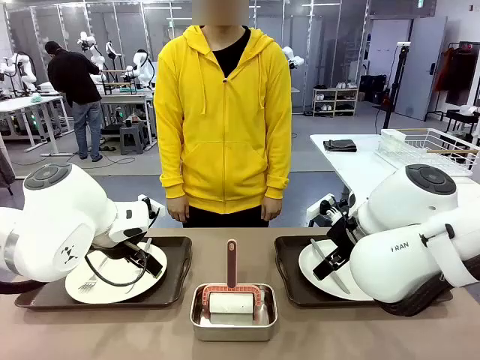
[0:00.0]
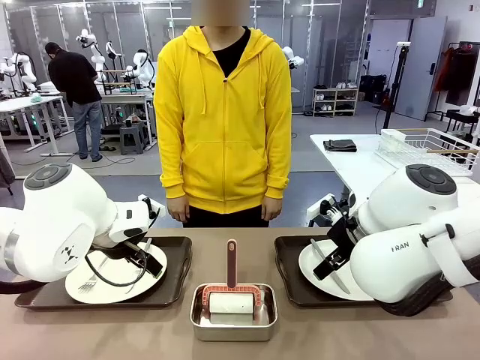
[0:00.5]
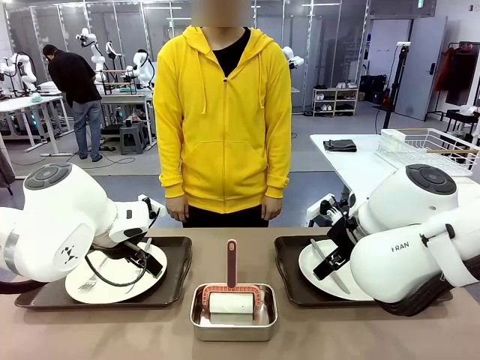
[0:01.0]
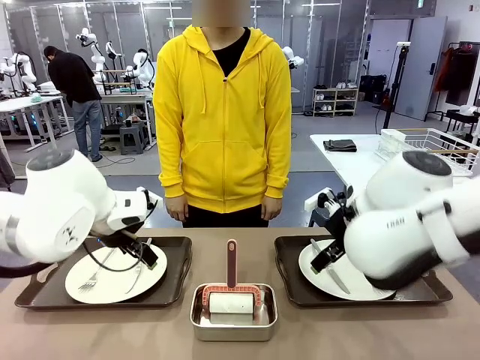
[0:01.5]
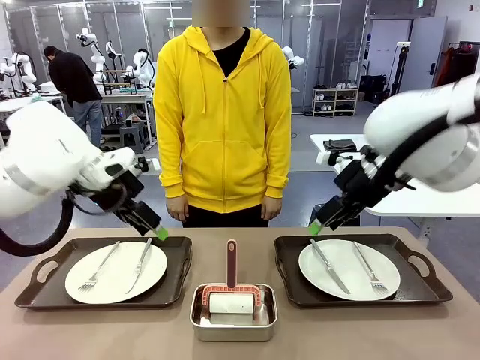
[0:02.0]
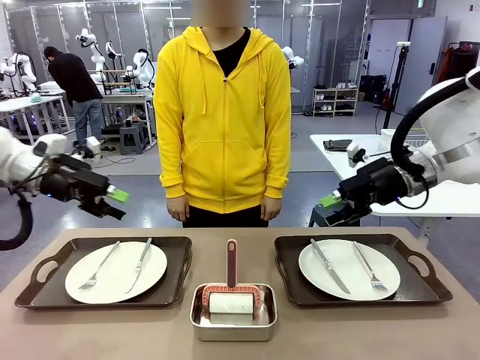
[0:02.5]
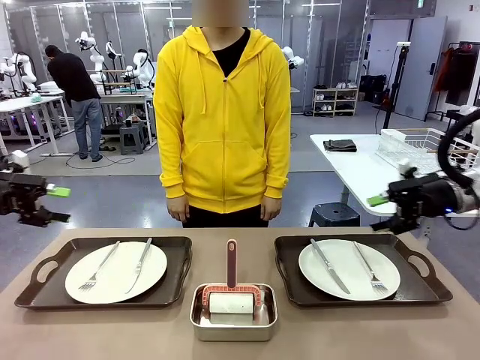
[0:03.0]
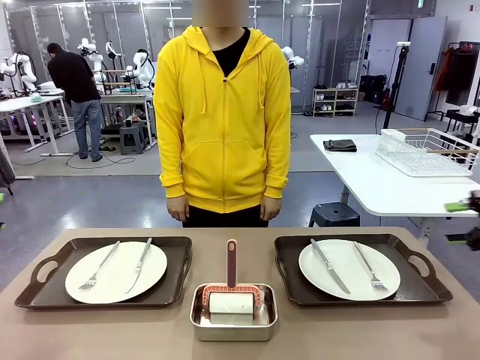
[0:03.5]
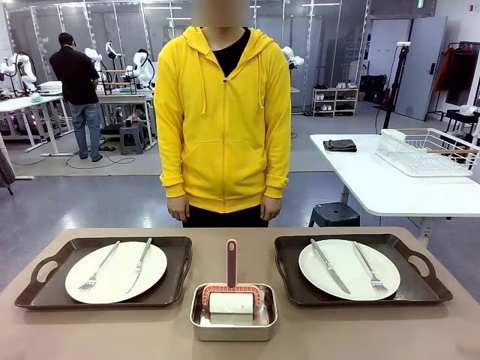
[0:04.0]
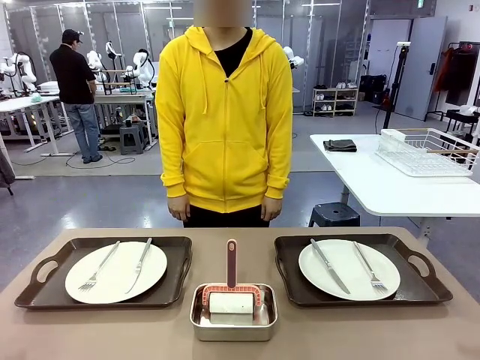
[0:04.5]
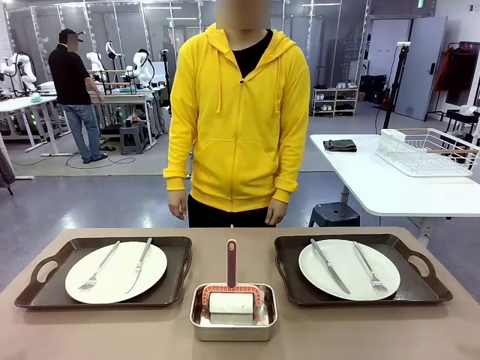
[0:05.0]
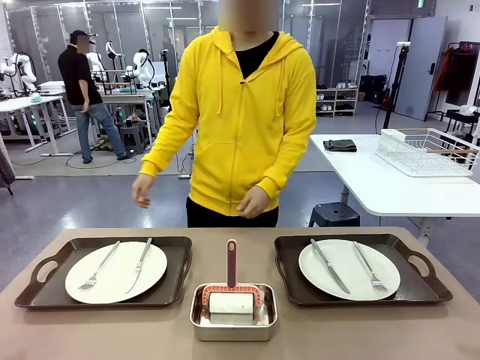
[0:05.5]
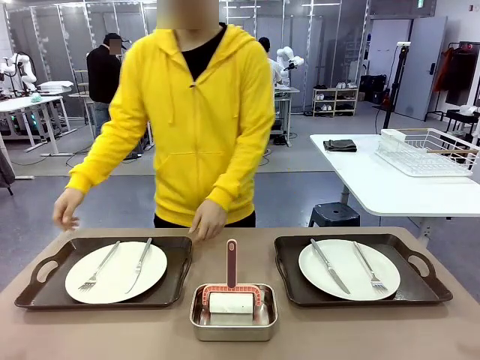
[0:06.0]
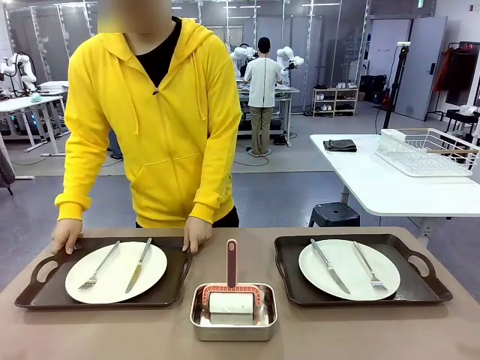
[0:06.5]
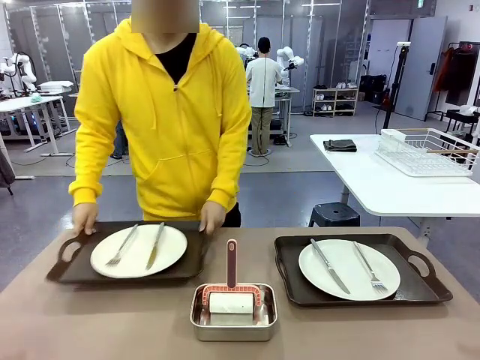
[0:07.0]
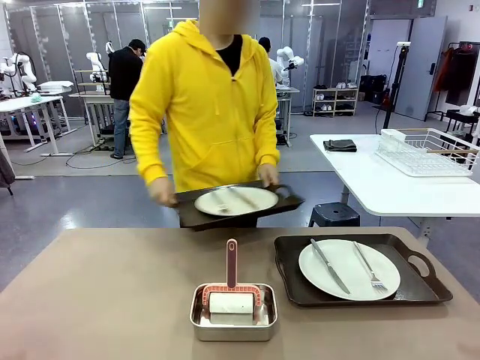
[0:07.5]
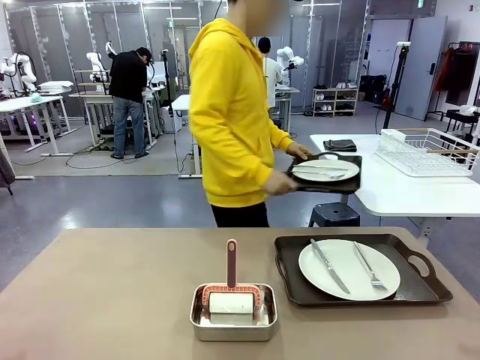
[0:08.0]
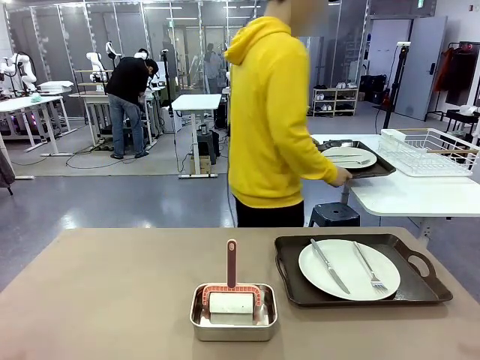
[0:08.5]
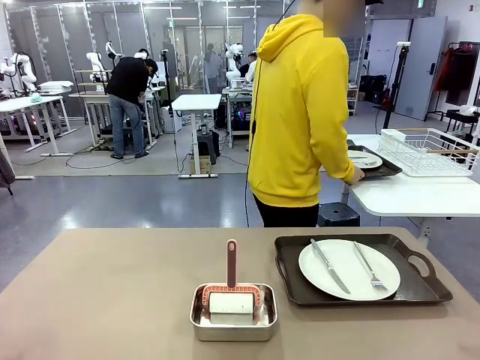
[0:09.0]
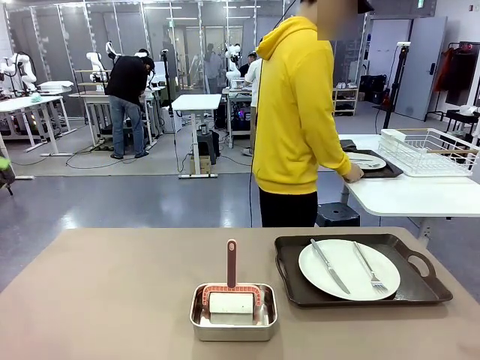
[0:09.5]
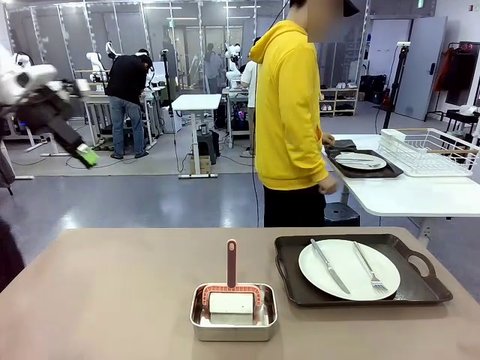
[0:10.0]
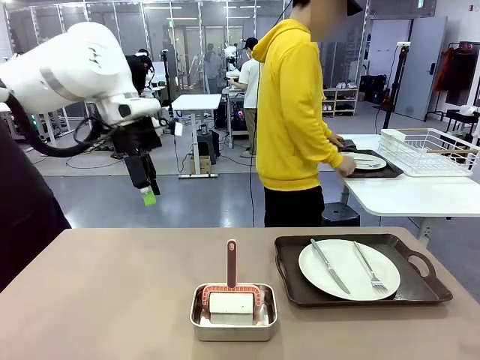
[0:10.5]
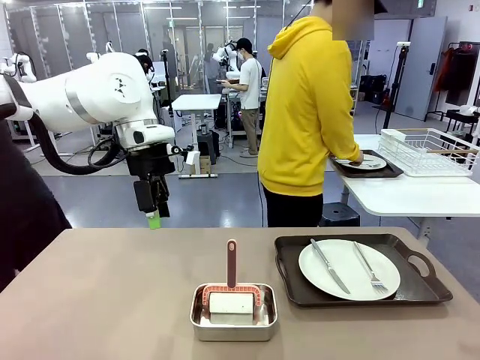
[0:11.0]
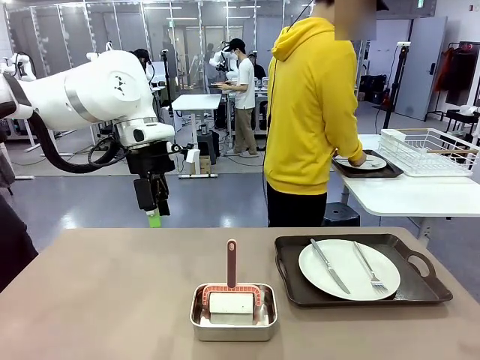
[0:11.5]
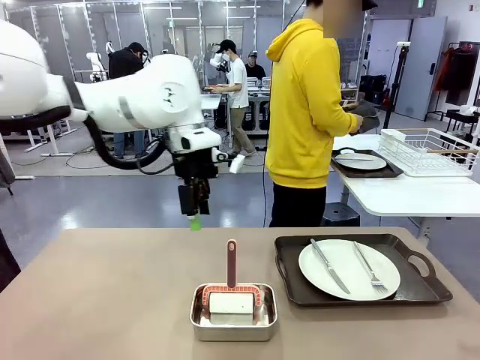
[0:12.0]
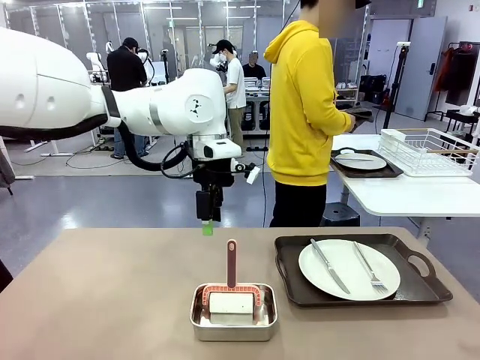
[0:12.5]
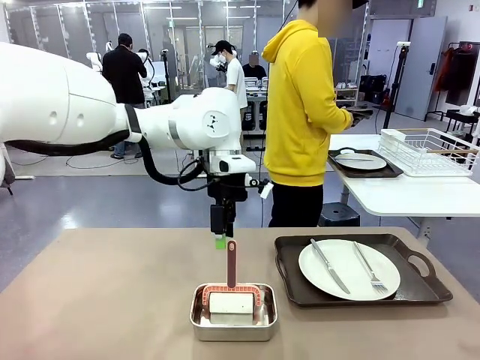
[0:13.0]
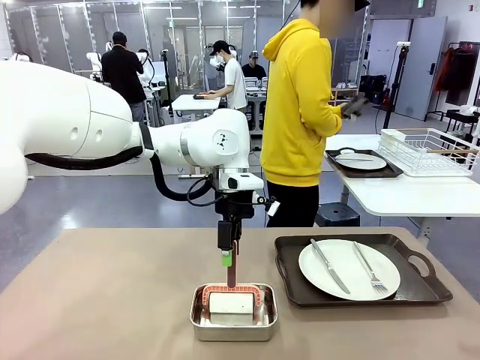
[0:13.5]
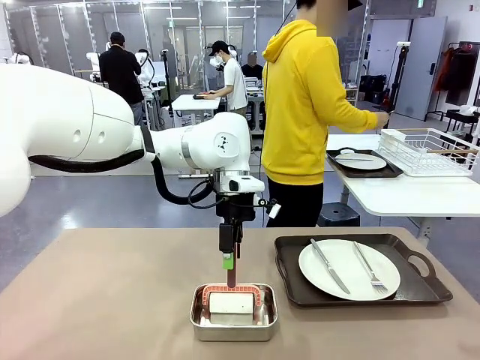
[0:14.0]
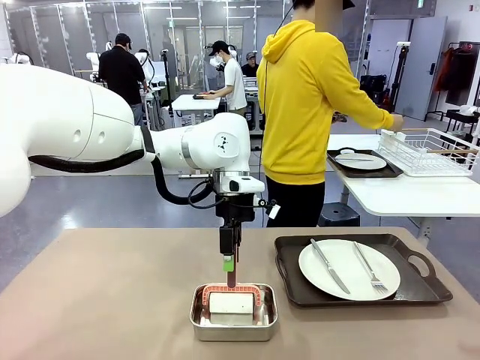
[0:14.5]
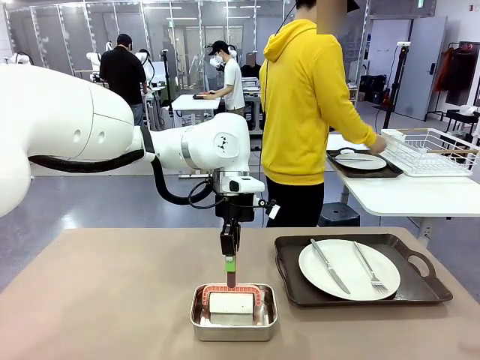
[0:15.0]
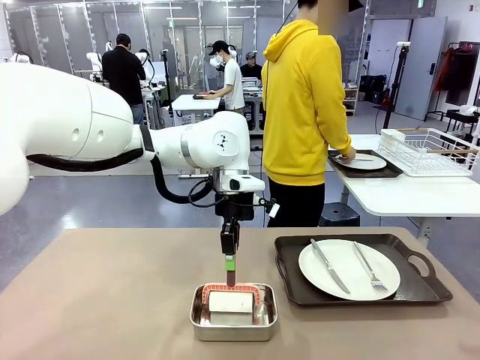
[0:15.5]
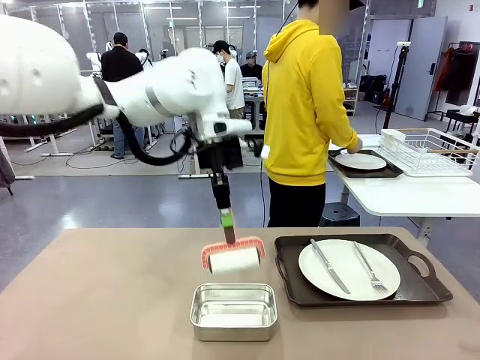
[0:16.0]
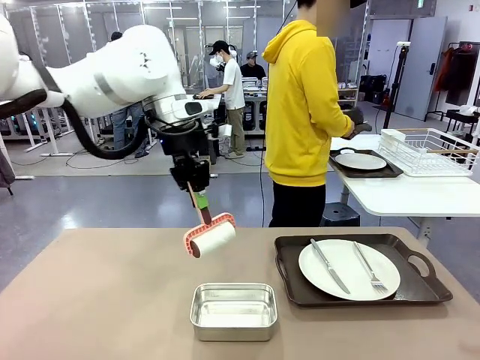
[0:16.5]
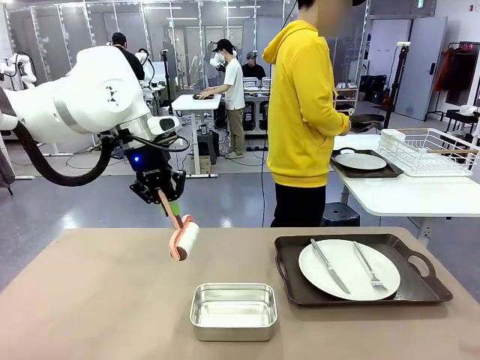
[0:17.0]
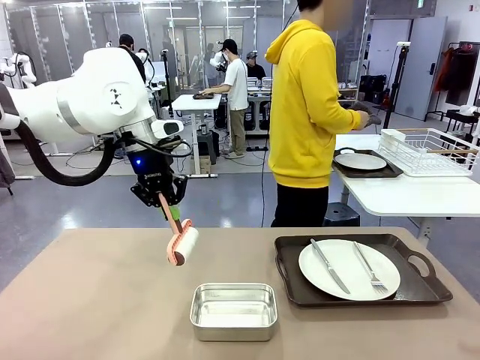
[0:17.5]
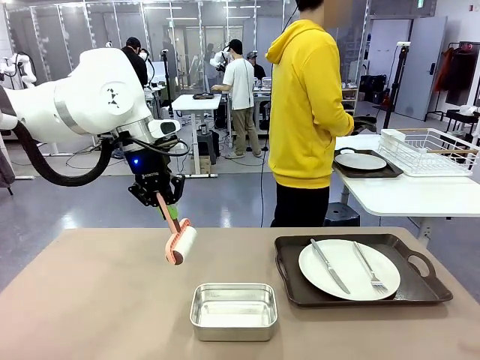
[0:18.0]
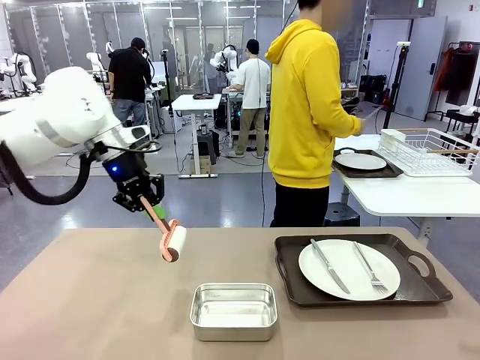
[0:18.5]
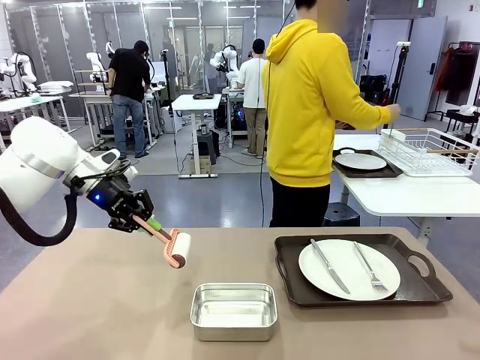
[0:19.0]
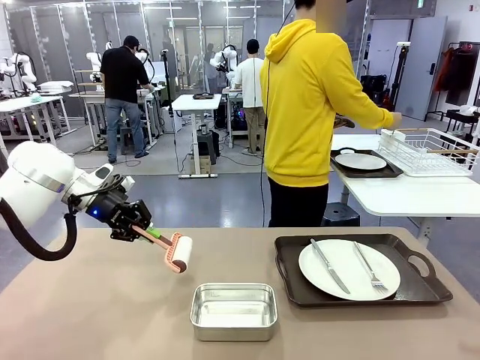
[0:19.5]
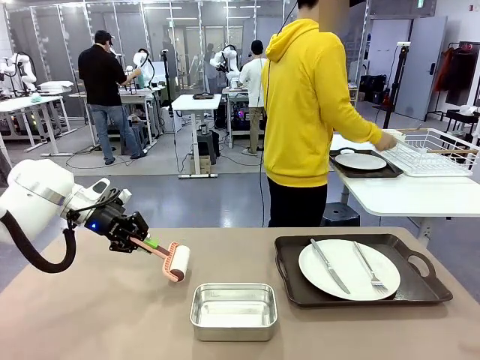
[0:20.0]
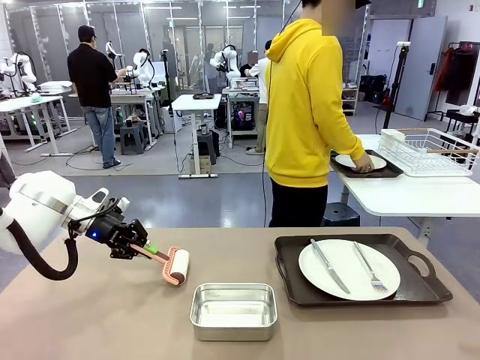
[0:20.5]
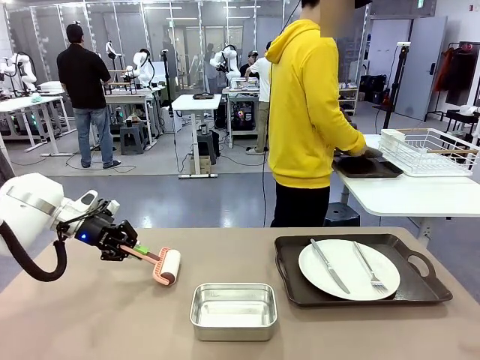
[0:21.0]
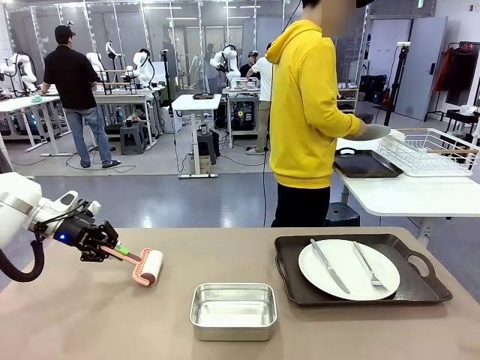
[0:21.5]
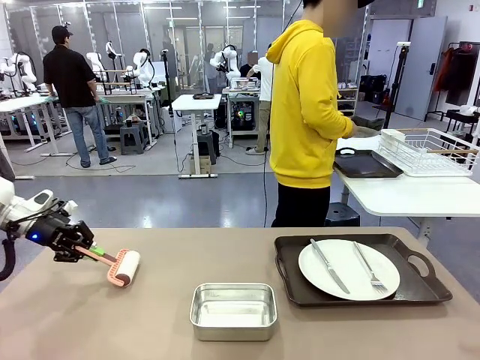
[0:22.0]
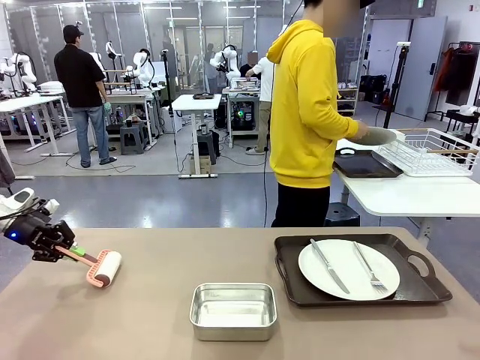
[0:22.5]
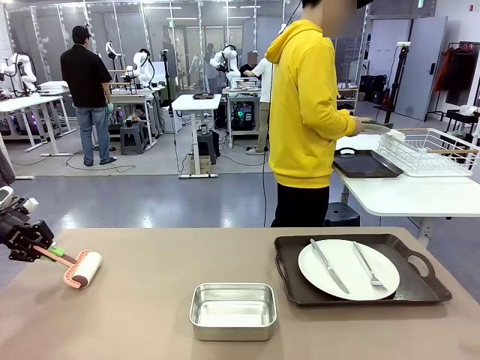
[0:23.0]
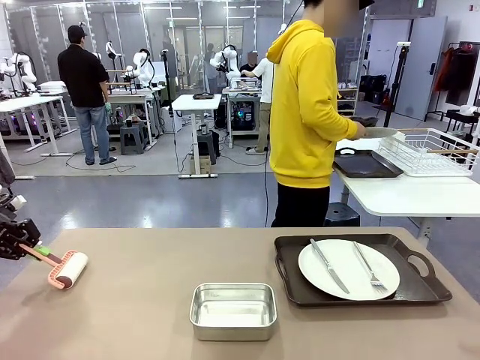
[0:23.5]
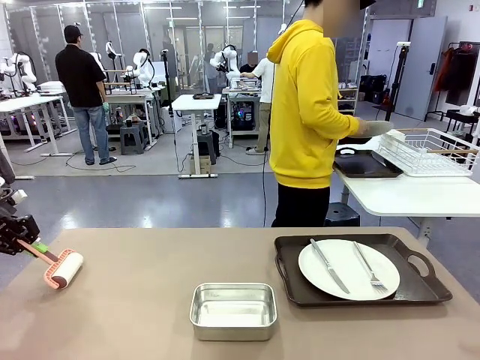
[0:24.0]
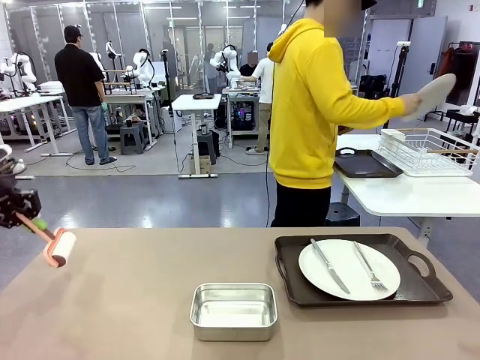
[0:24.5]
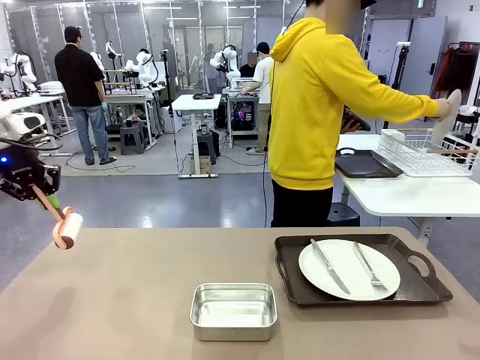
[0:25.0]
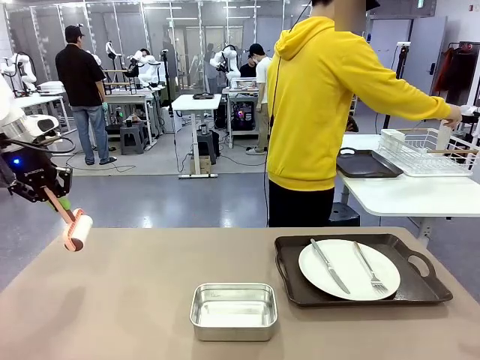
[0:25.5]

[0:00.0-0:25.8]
Robot: When the left (or right) Handle tray is removed, use the left hand (or right hand) to clean the left (or right) side of the table with the Lint Roller.
Person: Pick up the left (or right) Handle tray and place it on the middle of the Human's table. Use the Towel with hook to wipe the Plastic Matte Plate , Fork , and Knife and place into the Dish drying rack.
